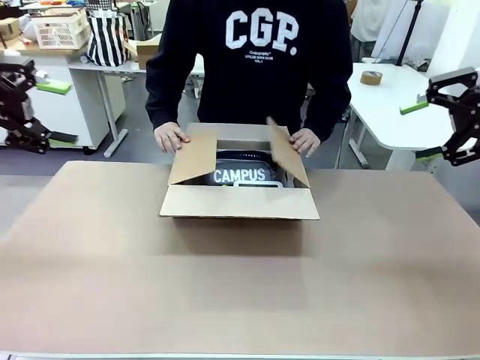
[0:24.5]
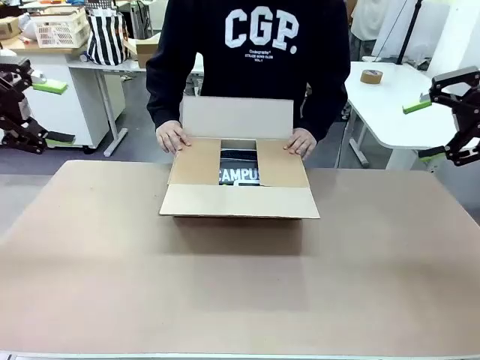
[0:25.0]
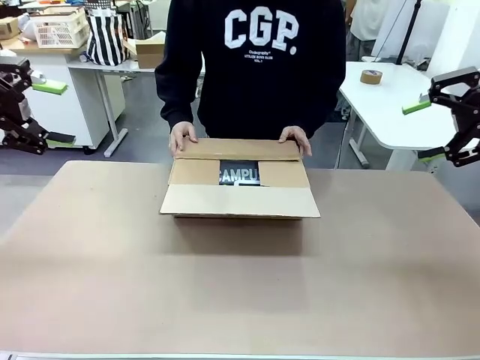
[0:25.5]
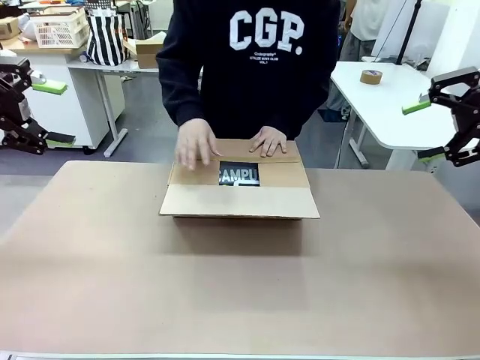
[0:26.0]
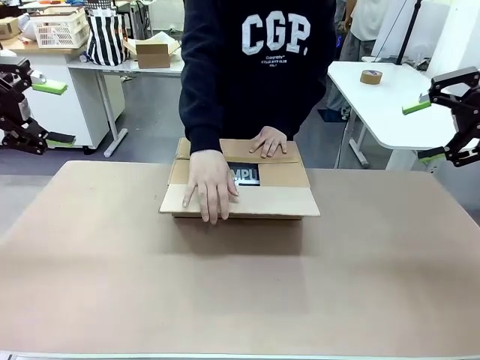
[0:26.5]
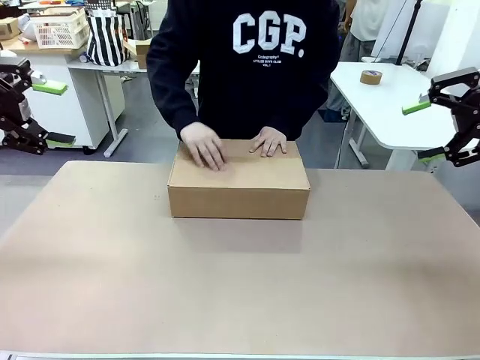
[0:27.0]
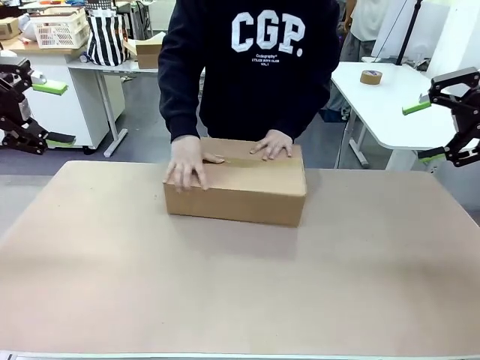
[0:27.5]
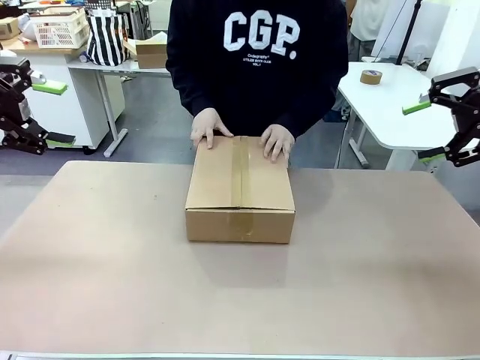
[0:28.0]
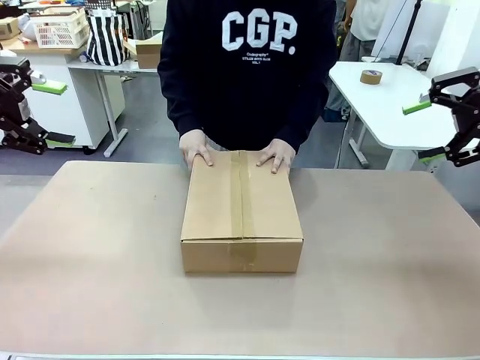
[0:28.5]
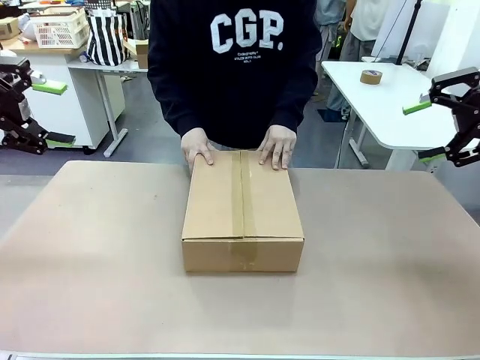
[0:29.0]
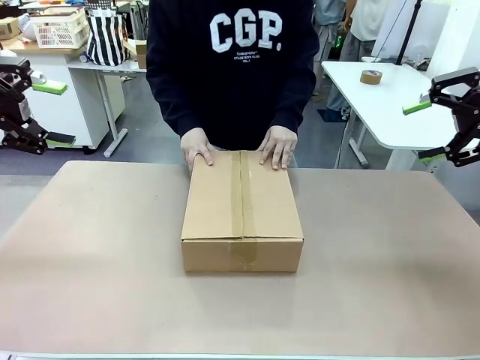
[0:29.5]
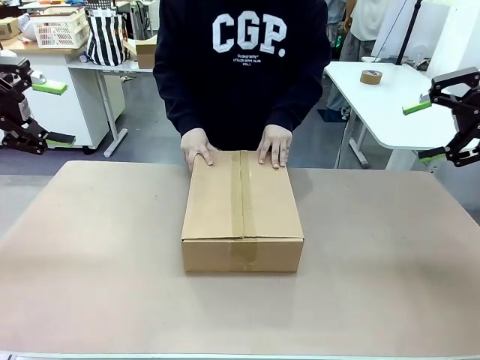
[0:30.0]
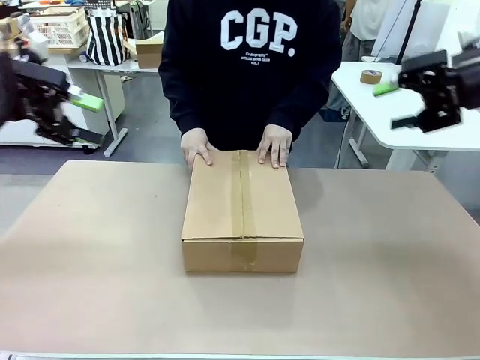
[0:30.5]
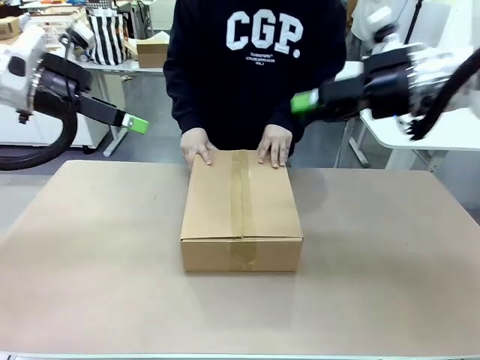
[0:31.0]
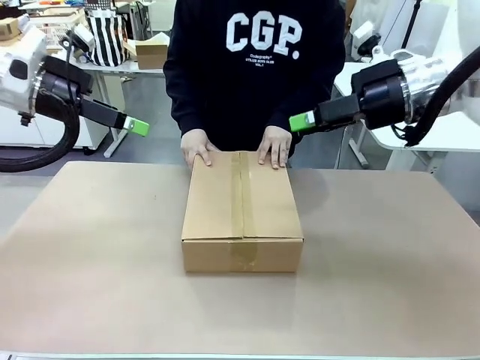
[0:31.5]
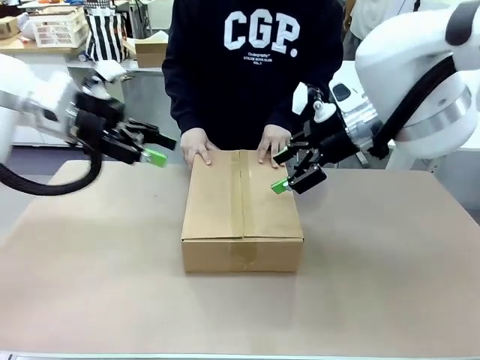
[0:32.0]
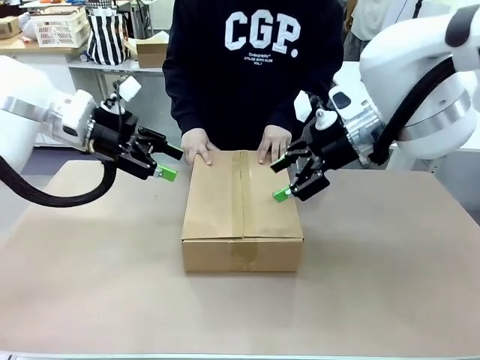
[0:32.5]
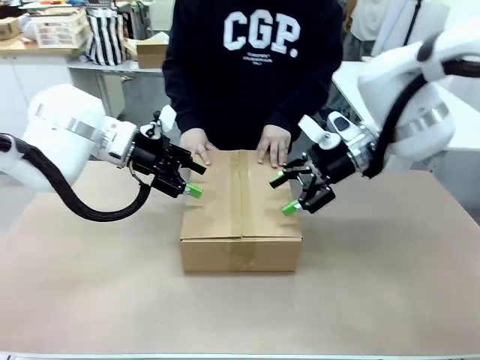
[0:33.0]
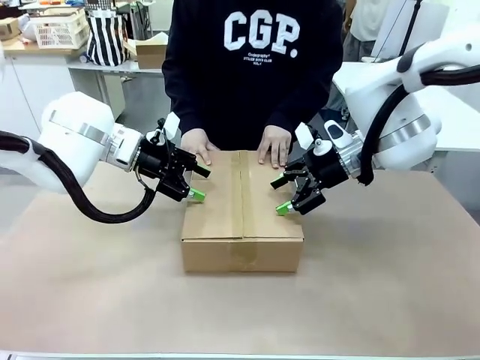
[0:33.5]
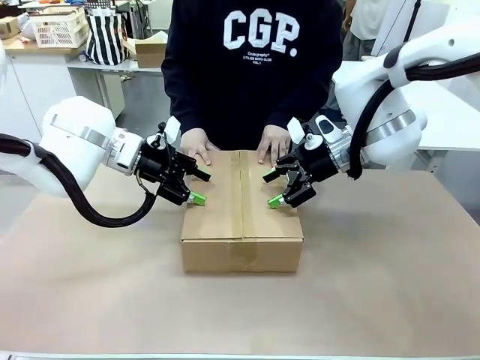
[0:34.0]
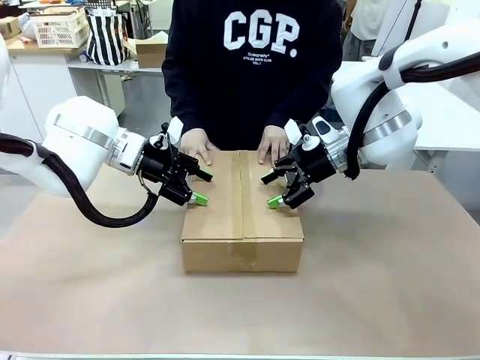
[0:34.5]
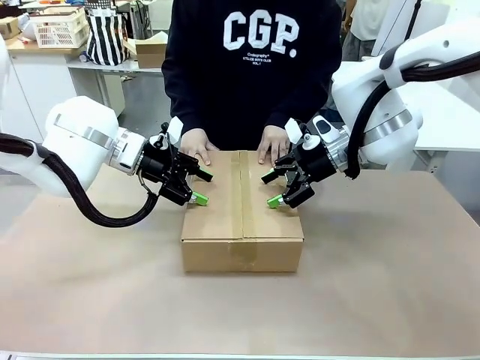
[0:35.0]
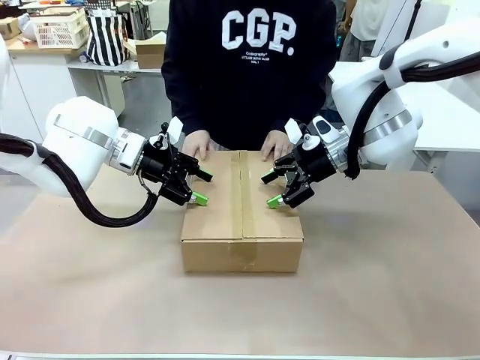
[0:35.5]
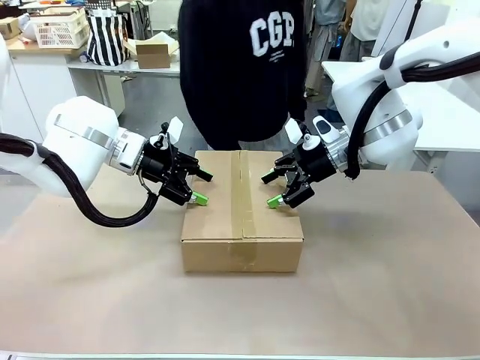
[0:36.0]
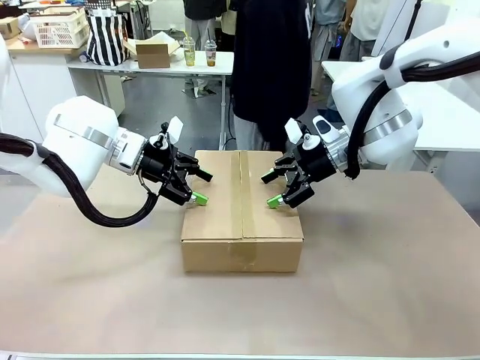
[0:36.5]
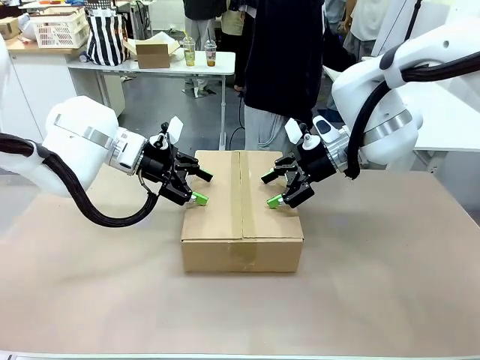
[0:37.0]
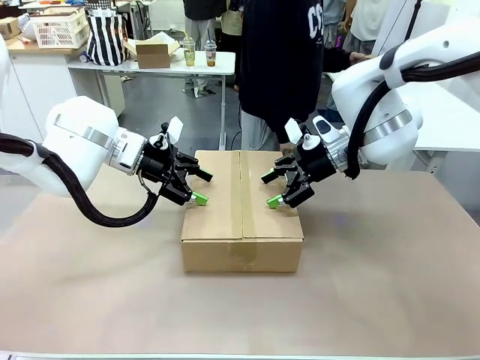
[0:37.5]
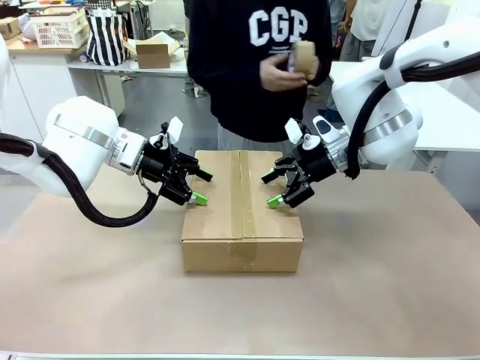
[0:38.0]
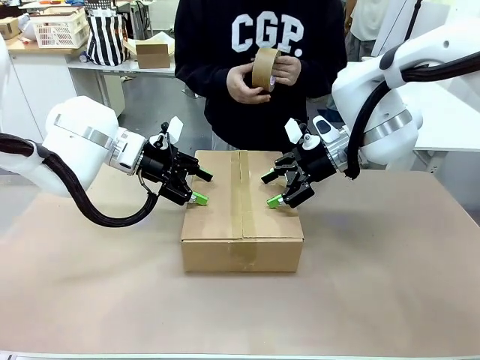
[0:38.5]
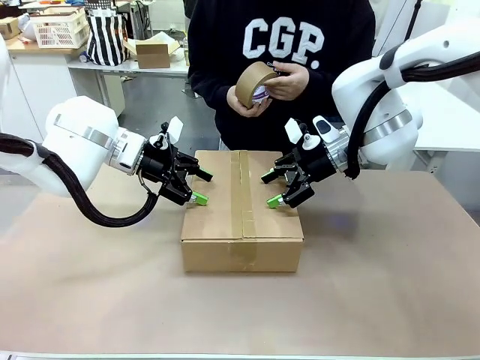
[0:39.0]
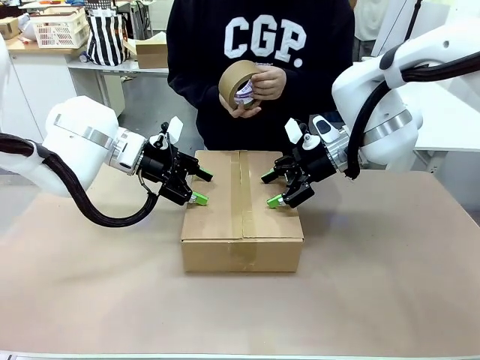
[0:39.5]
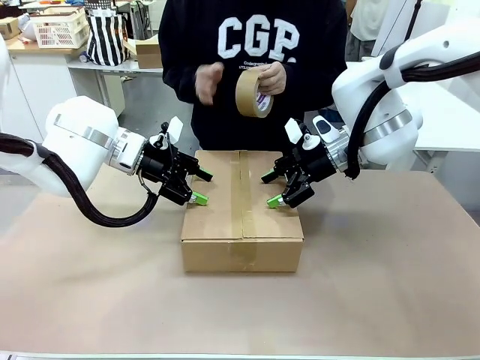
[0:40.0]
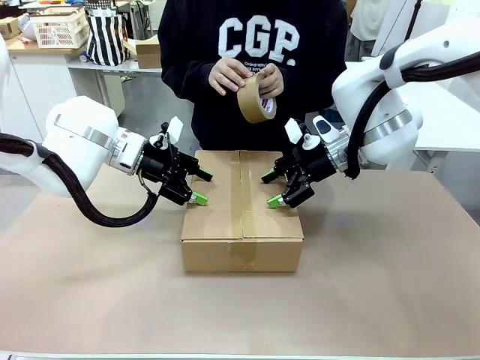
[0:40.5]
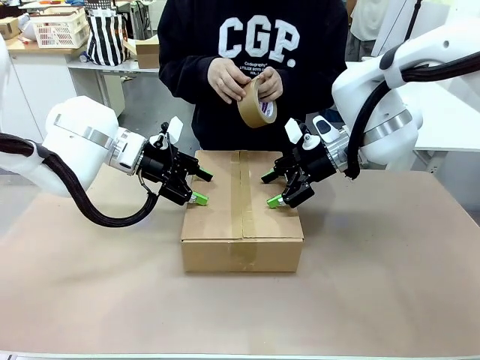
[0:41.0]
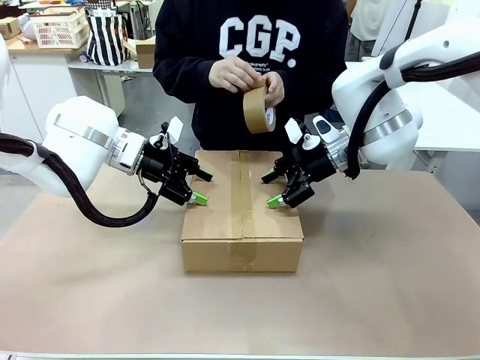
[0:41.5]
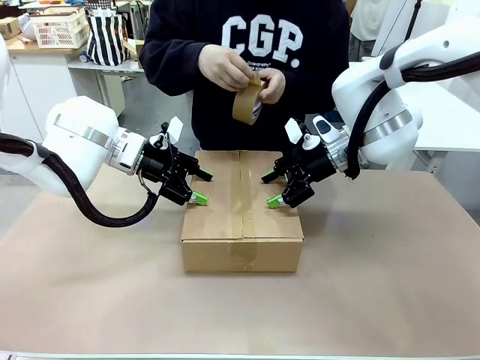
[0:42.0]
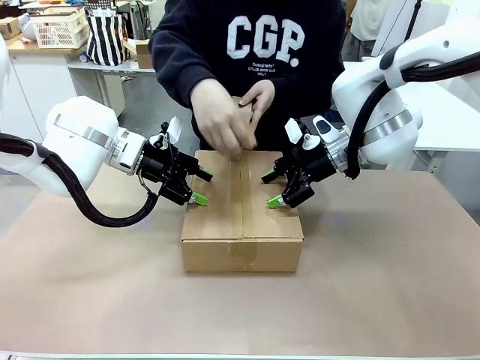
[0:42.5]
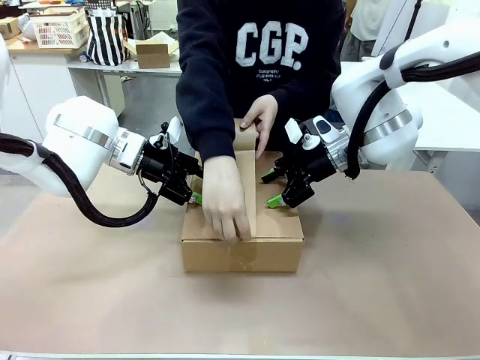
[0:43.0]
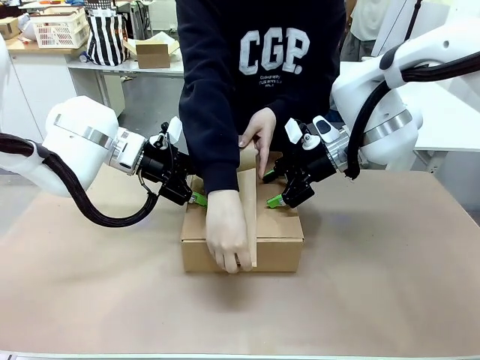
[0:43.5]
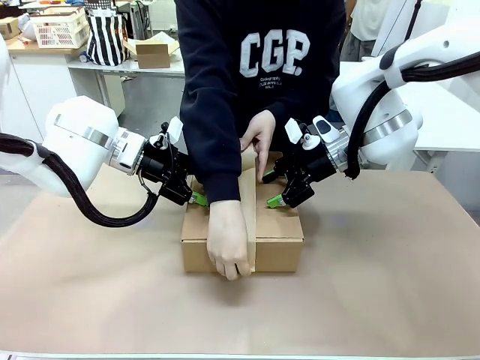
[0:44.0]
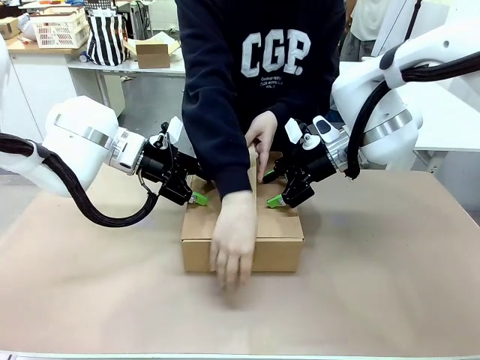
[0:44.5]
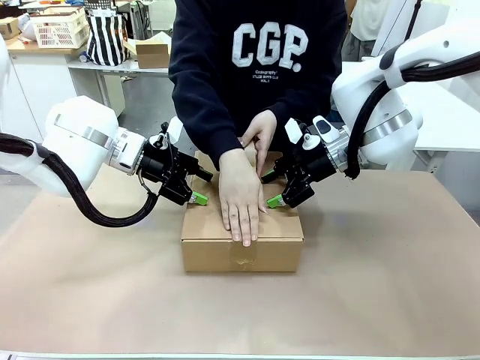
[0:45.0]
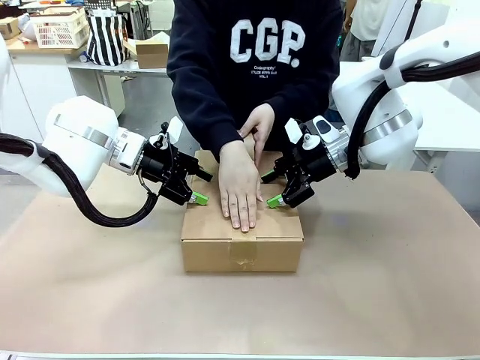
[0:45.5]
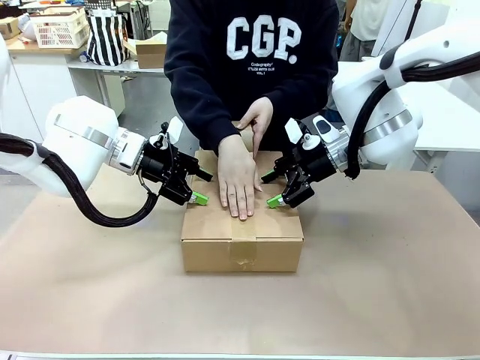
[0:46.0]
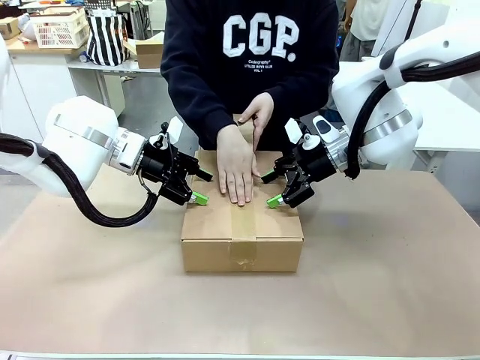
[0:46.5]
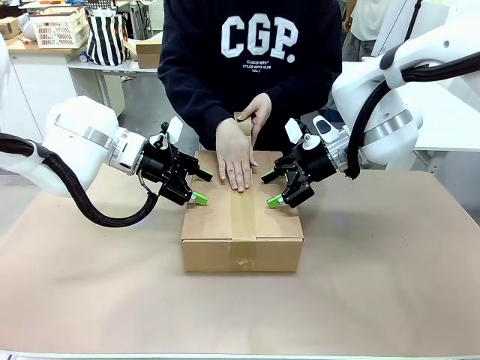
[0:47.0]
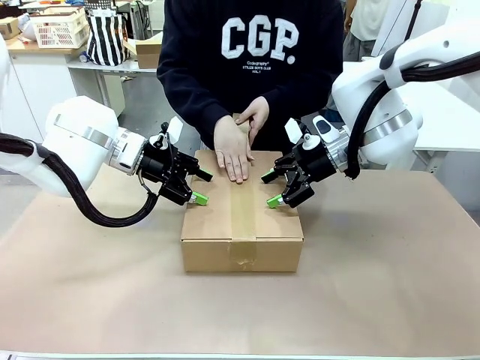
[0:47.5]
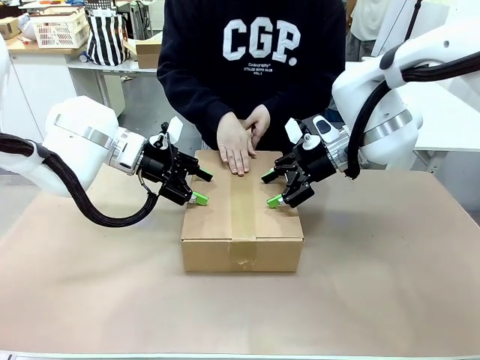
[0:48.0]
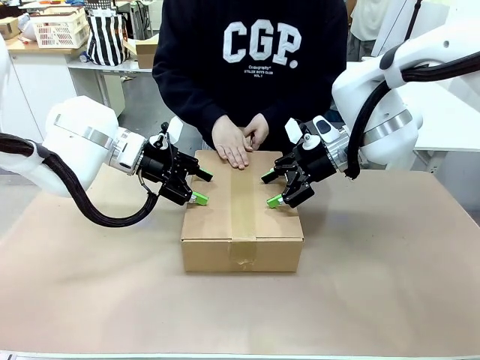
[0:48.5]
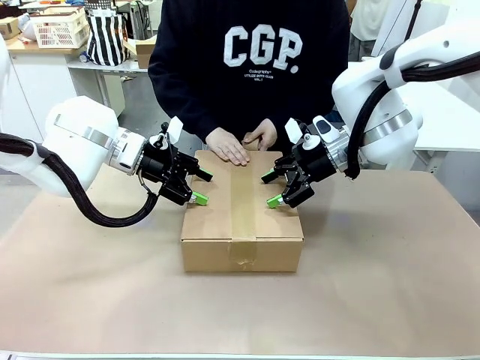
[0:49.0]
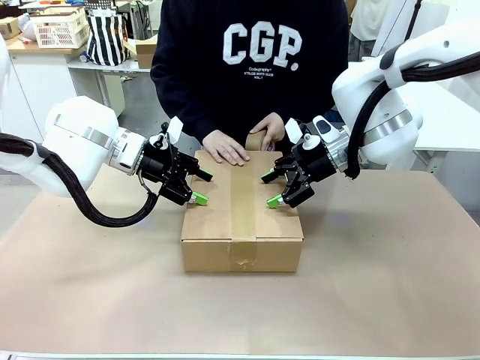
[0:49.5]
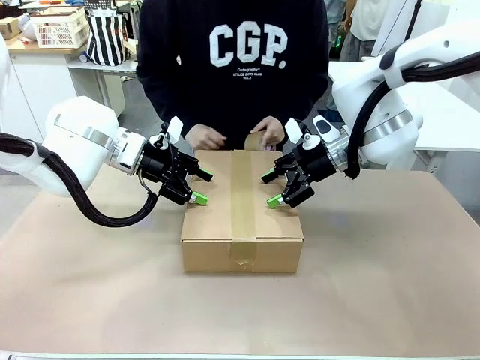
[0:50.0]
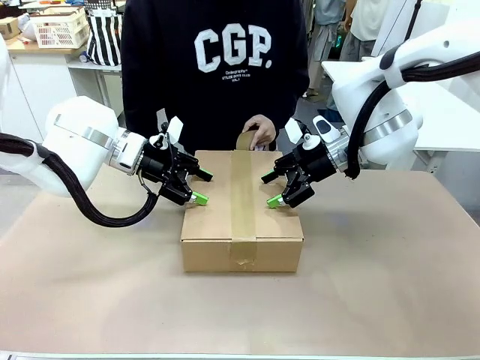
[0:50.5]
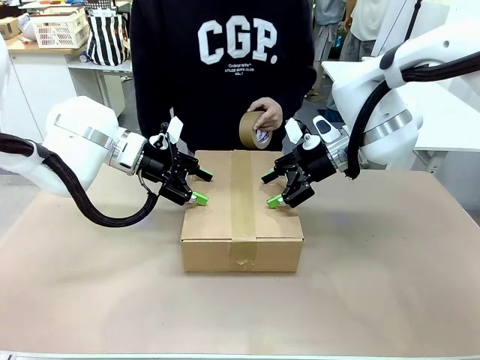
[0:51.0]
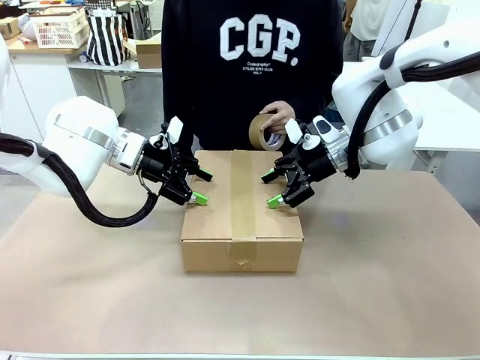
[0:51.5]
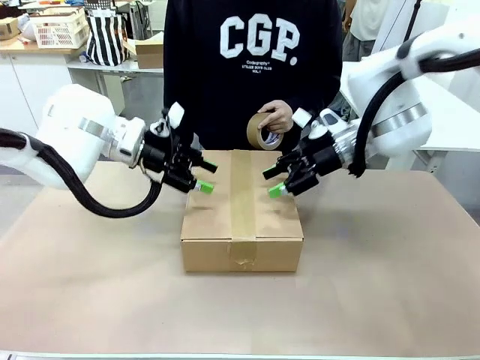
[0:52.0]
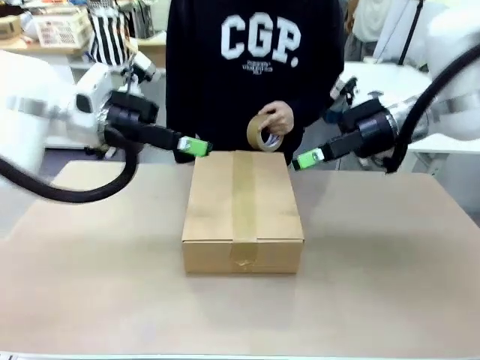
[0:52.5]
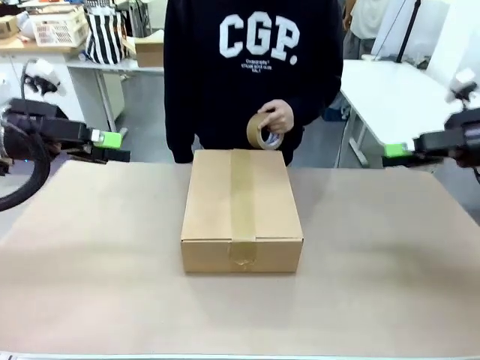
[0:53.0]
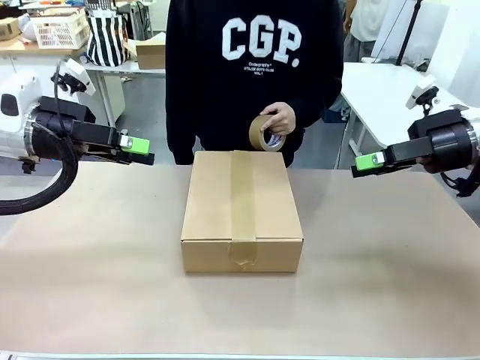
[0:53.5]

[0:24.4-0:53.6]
Task: Pack the gift set into the box.
Robot: Press and hold the closed box until the human finishes sealing it.
Person: The human closes the box and rotates the box by 90 degrees. The human picks up the paper tape from the human table and packs the box.
